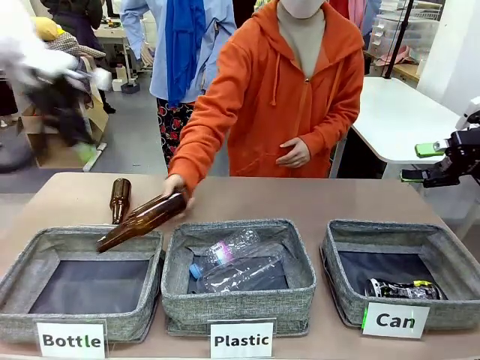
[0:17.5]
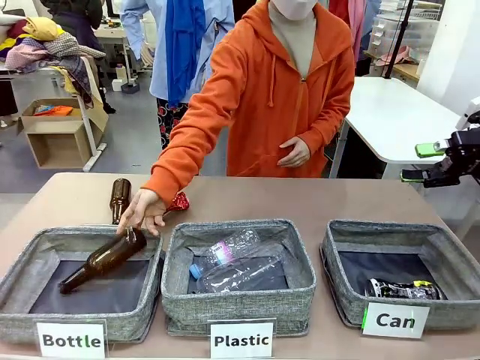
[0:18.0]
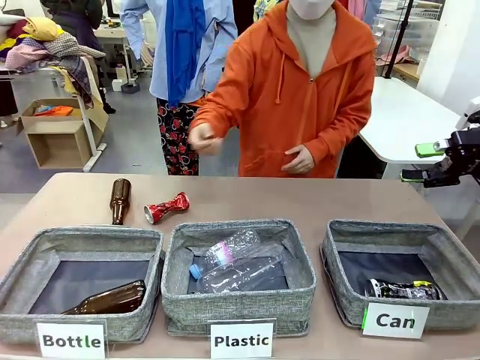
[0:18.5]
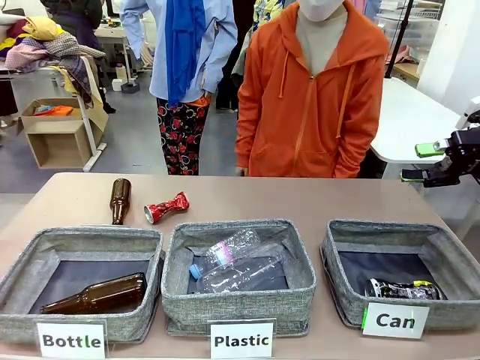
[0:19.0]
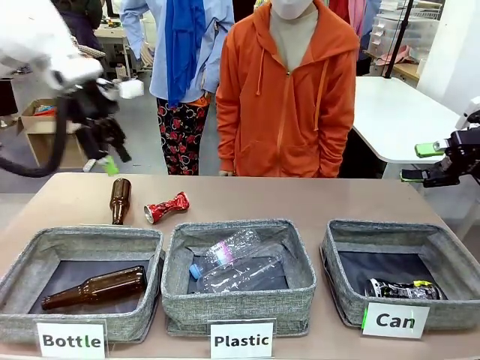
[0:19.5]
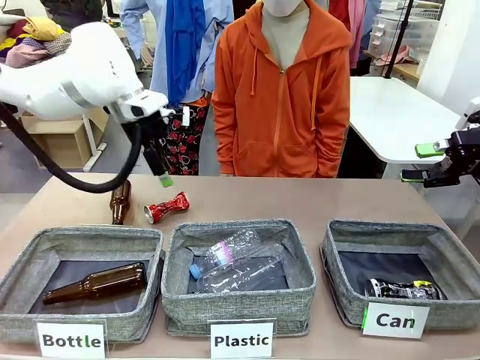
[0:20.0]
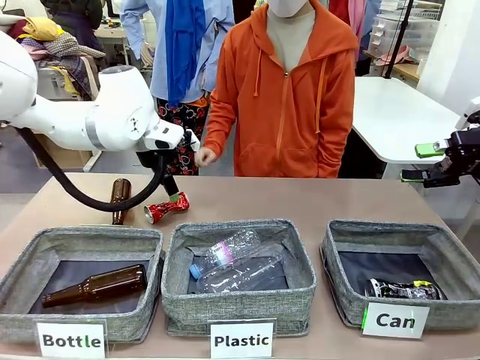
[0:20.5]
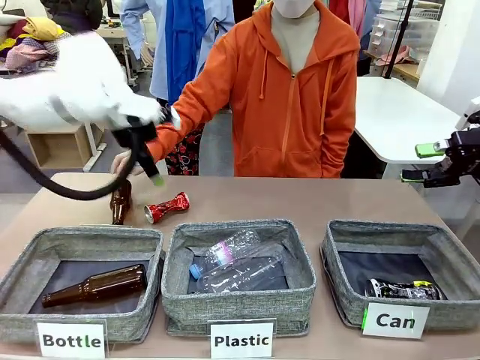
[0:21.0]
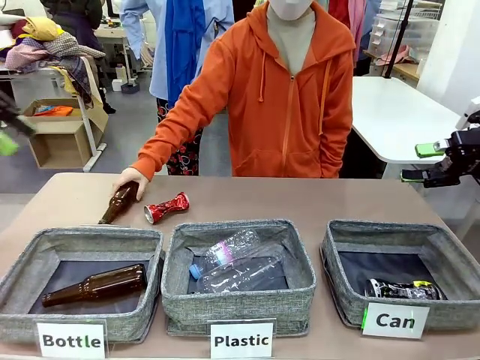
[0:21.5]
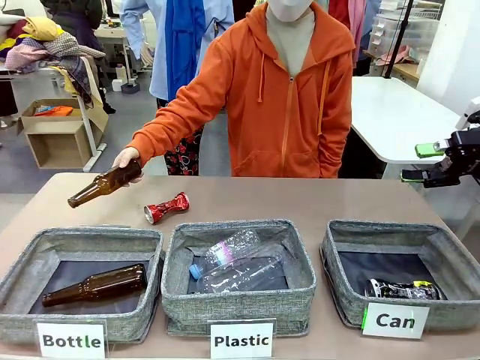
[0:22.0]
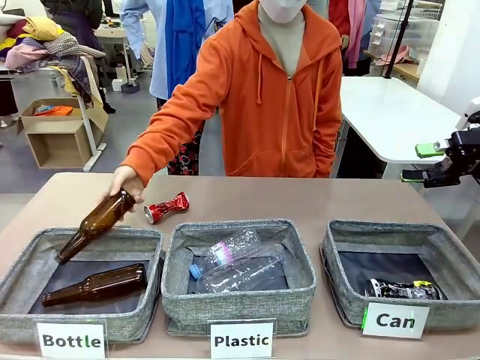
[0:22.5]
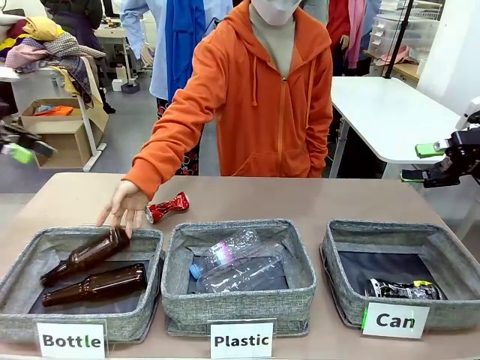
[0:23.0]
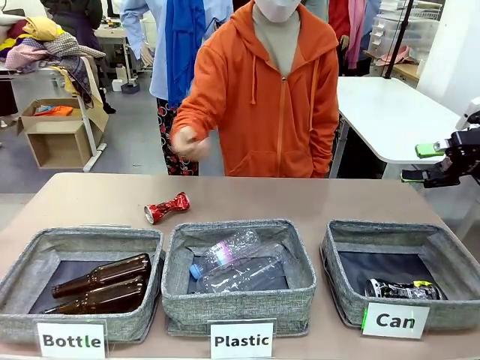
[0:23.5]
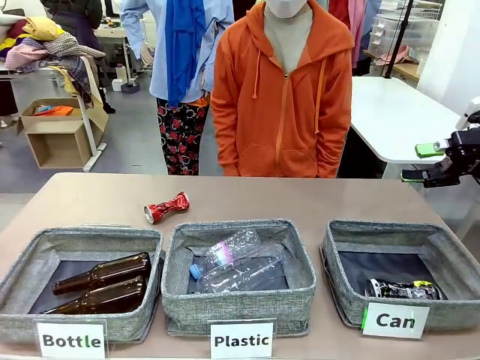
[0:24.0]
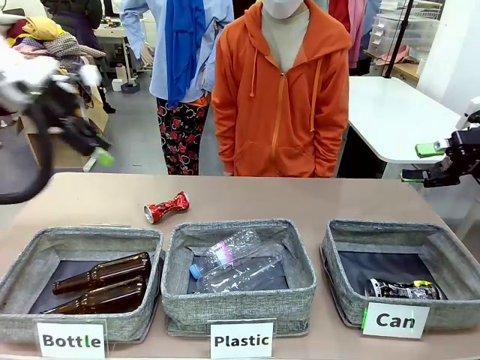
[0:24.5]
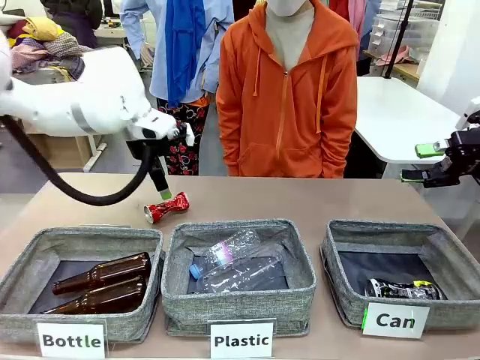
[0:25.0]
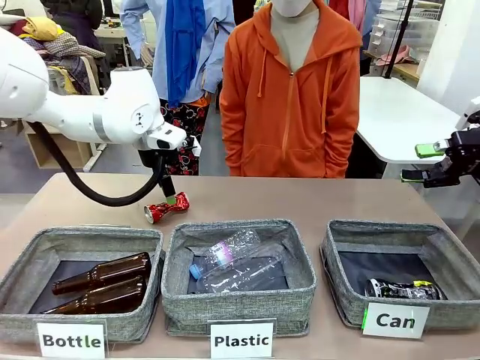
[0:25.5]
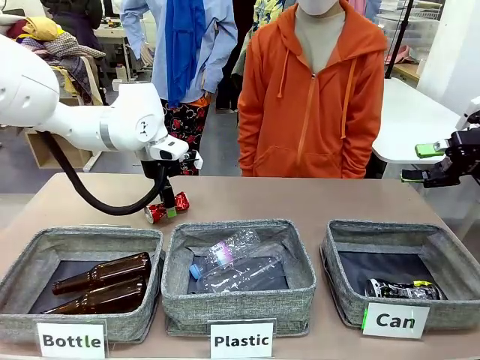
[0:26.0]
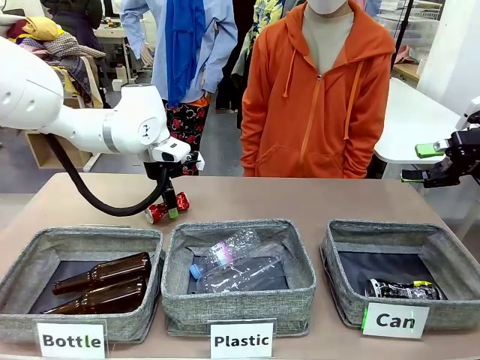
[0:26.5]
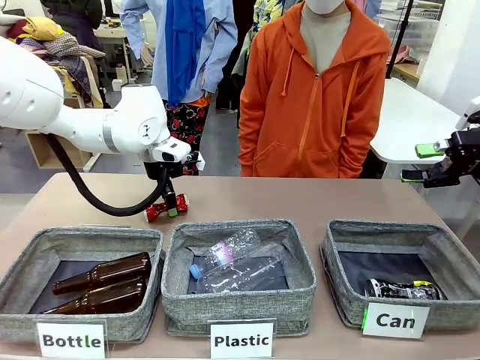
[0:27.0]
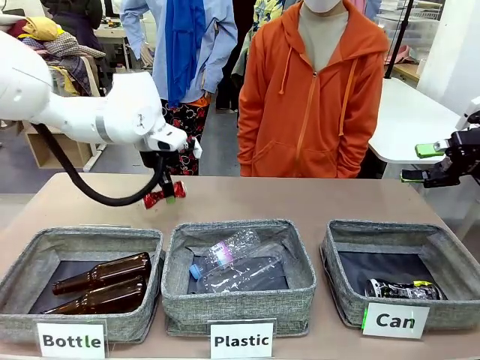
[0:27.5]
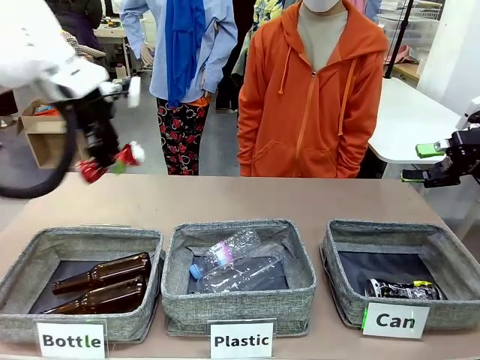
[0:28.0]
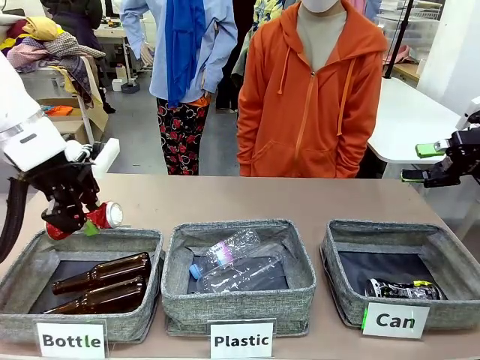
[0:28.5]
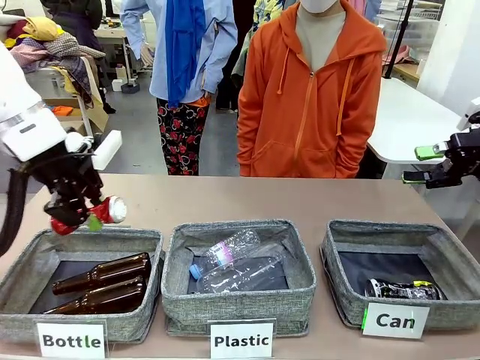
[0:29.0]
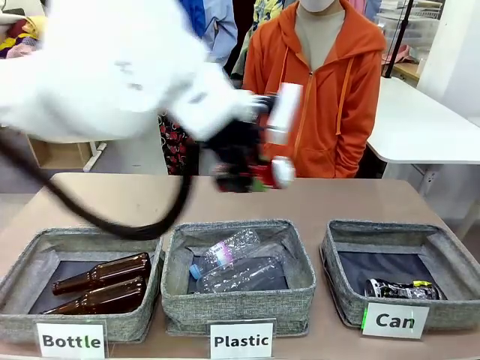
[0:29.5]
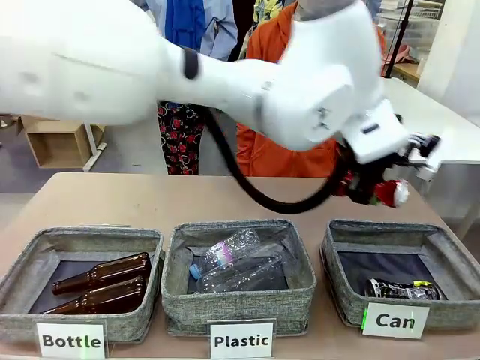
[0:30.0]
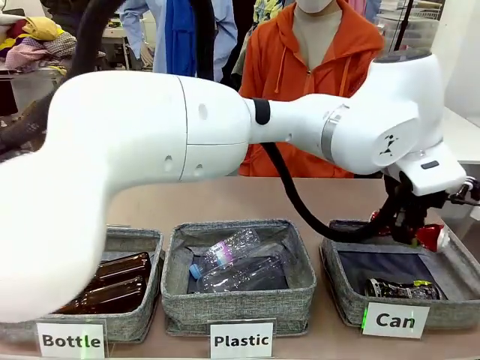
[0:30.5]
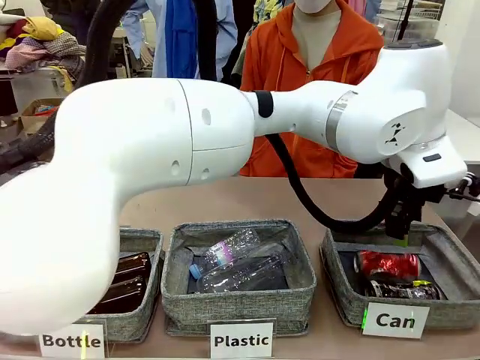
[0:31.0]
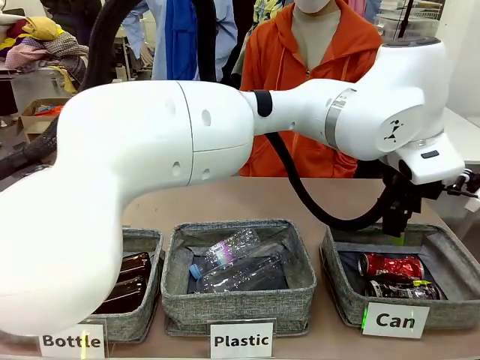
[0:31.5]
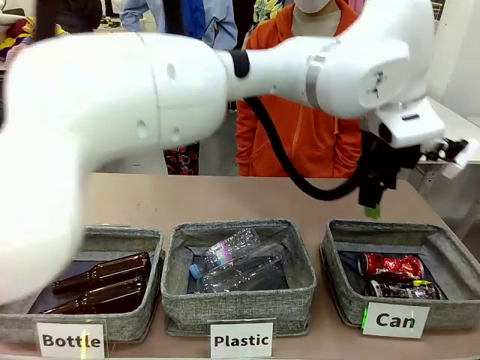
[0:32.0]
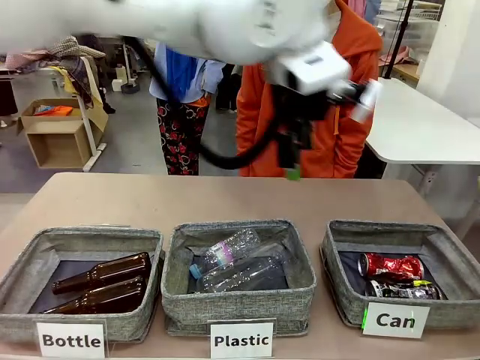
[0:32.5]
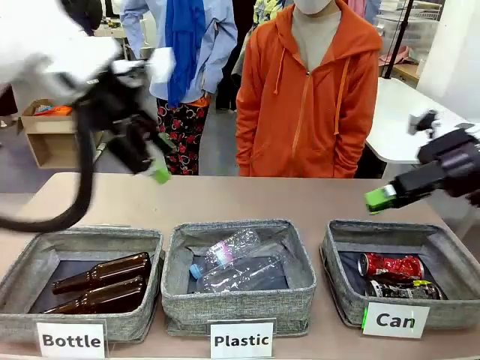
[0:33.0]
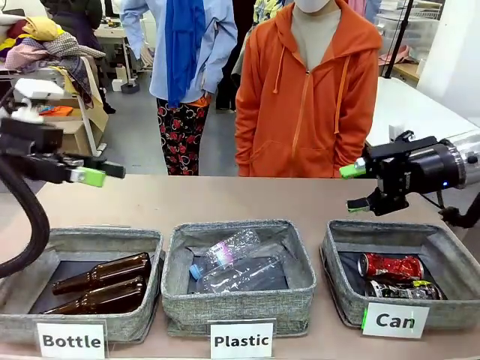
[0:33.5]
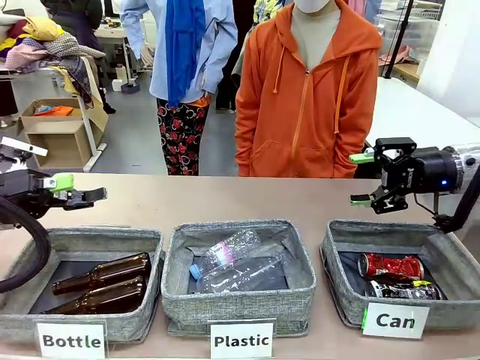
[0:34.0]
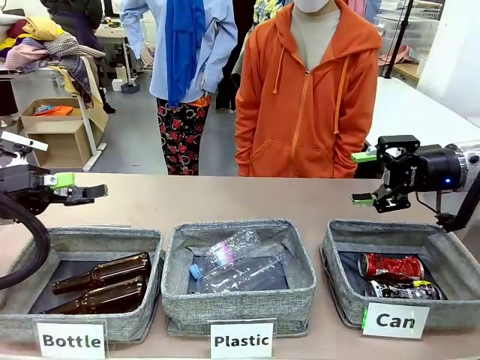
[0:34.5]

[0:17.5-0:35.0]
Task: Sort the can waste into the basket.
Robot: Pick up the can waste from the table and place it in the right Fabric basket.

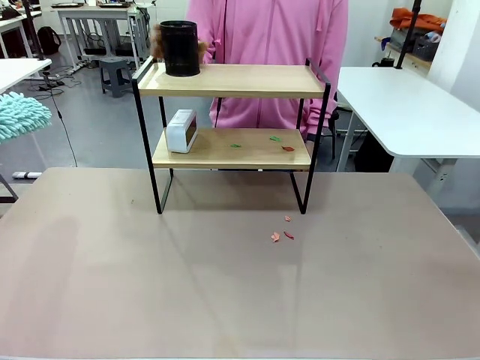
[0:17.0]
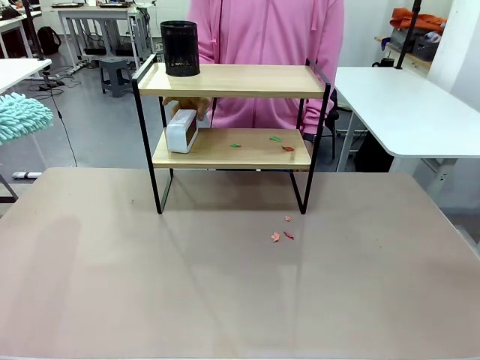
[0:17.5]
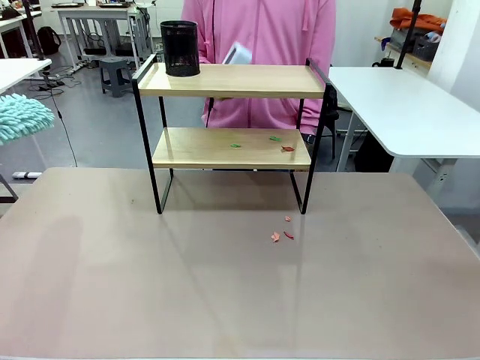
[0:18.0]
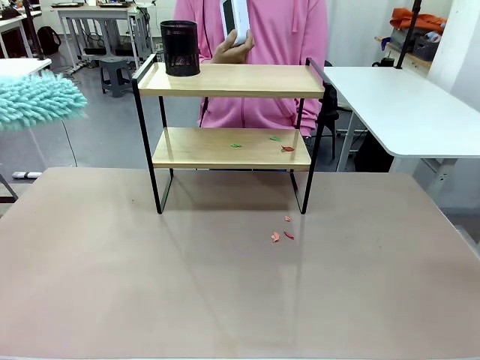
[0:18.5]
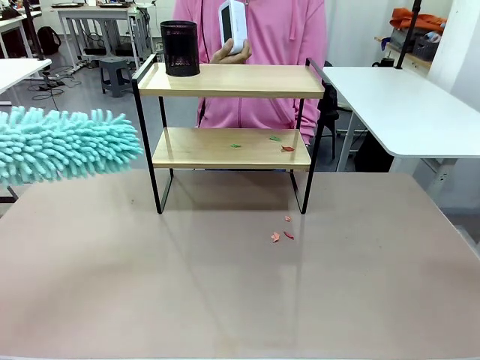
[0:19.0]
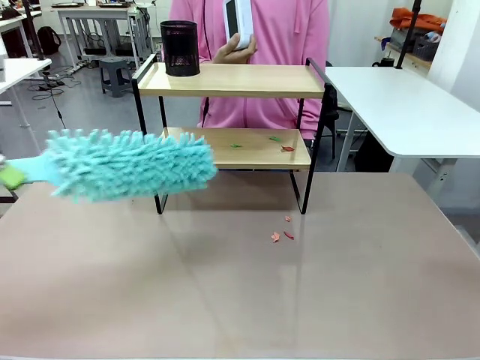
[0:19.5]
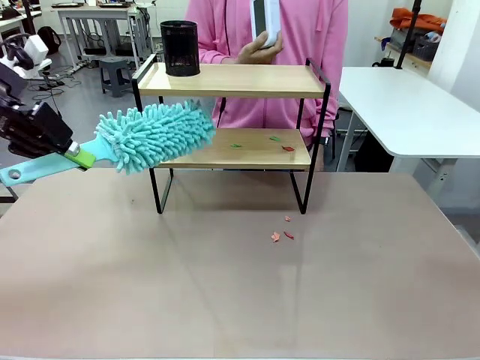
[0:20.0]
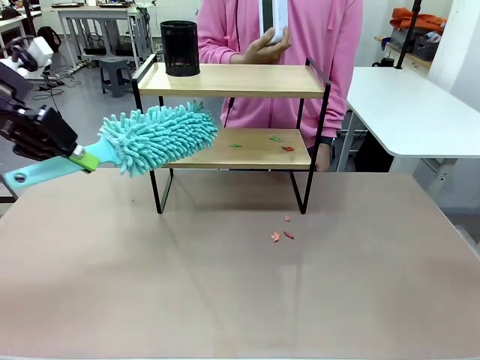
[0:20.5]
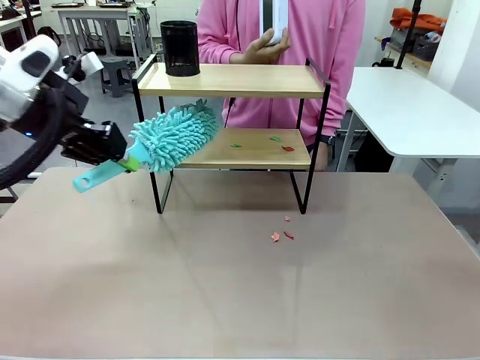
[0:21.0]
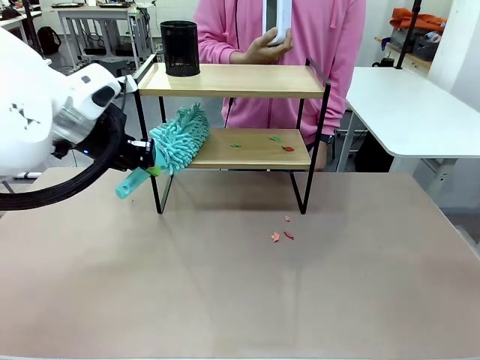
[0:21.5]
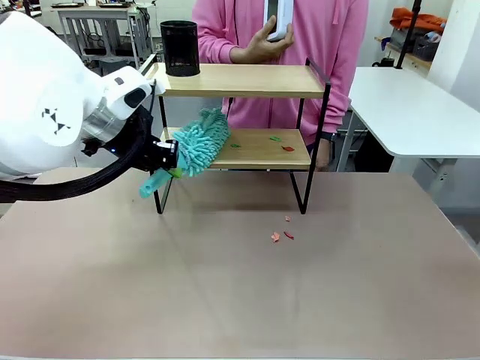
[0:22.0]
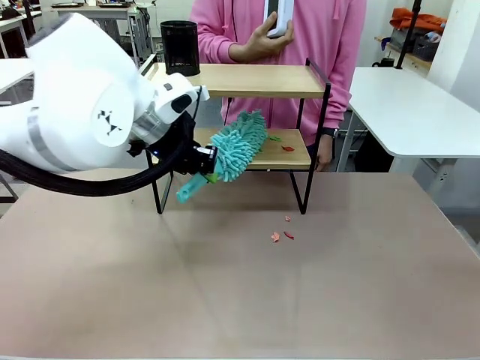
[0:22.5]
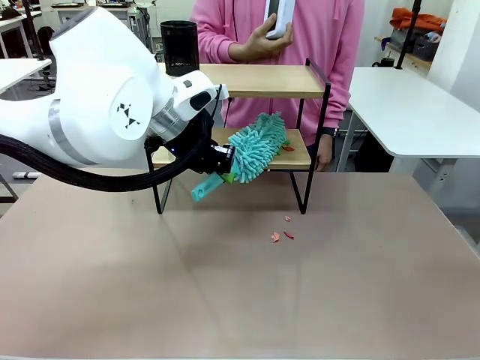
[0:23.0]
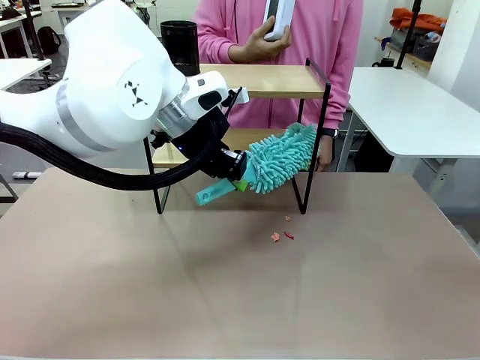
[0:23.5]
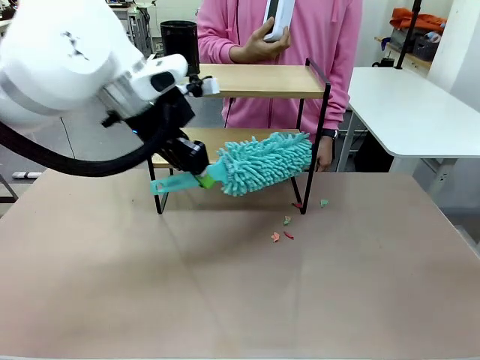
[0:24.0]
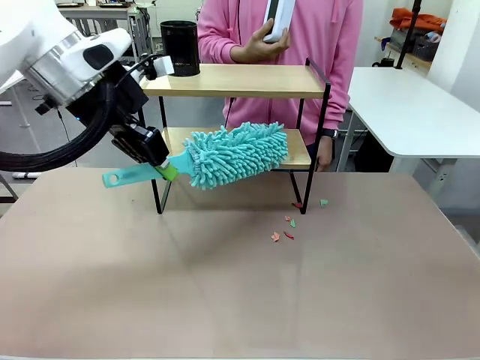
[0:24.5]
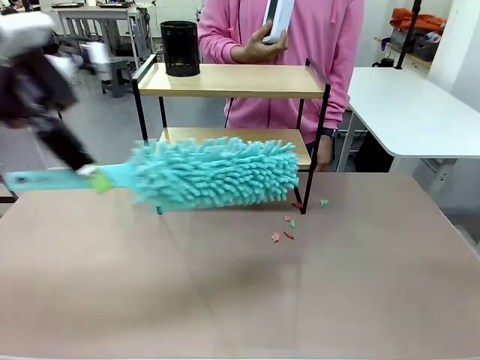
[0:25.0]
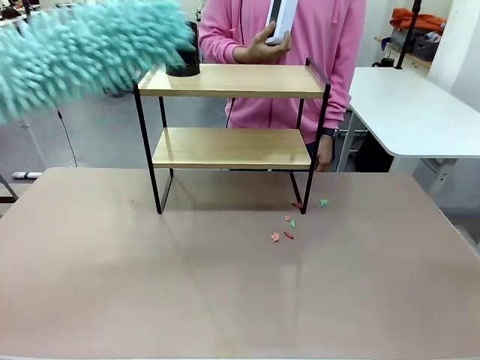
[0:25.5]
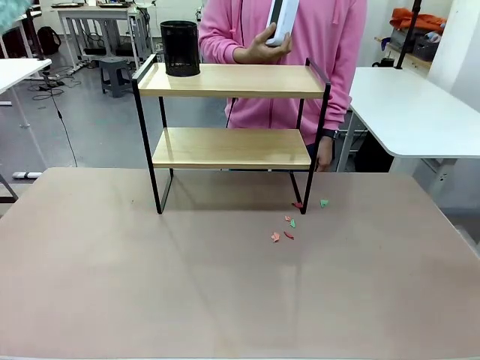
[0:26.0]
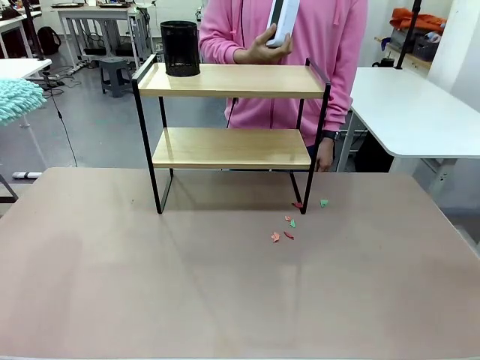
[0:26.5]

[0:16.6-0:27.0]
Task: Clean the shelf.
Robot: Clean the remaining tier of the Shelf with the Duster once objects are removed.
